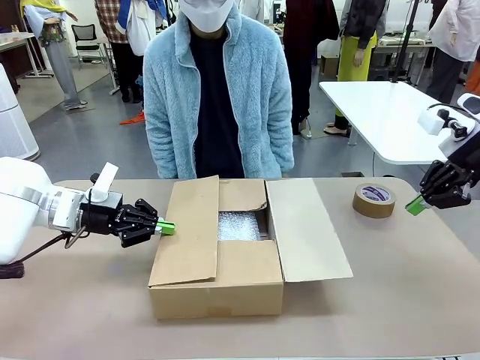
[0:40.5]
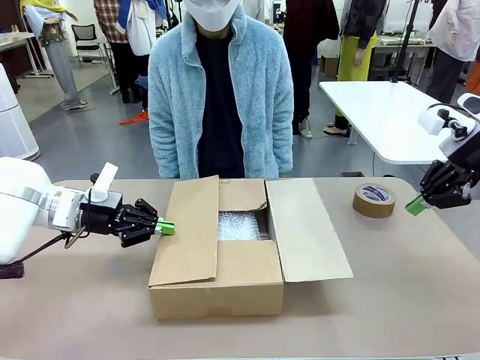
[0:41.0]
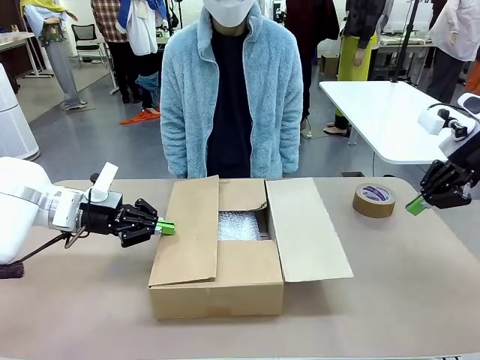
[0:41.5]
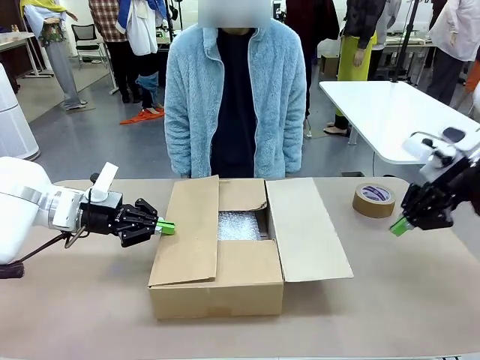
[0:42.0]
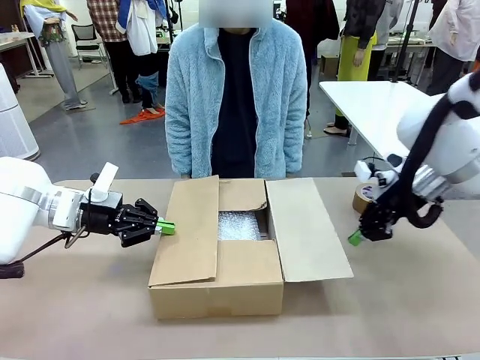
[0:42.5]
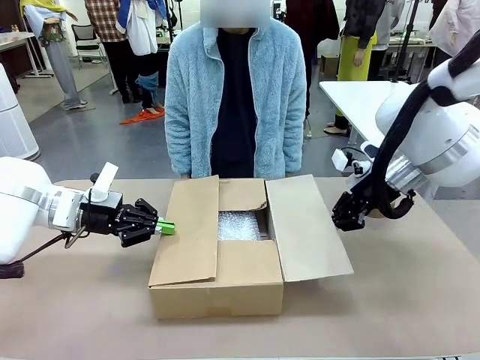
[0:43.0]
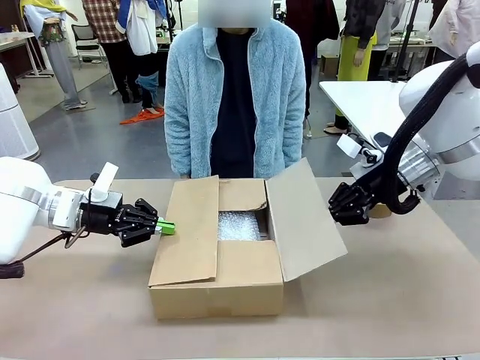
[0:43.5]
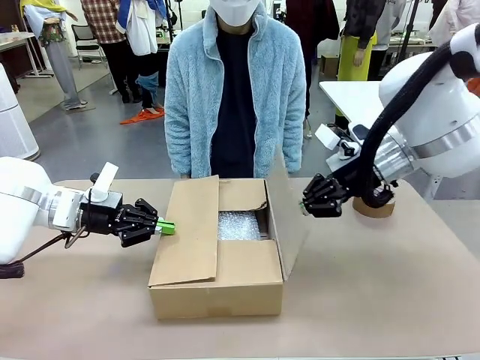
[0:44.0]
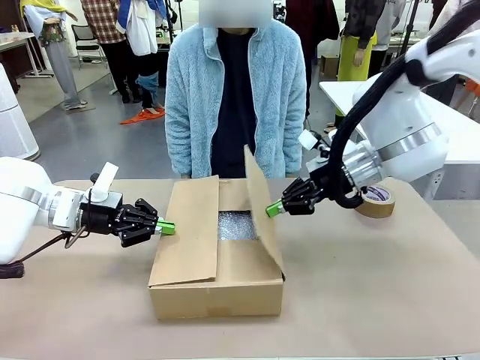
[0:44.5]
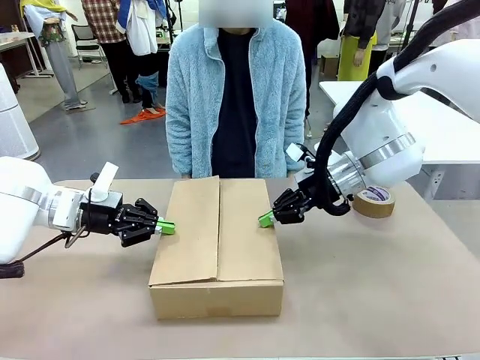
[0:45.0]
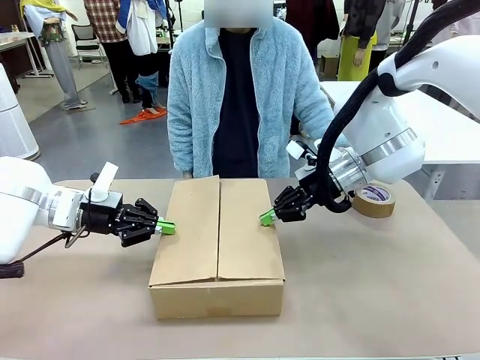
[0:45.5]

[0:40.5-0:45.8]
Task: Wrap the clocks to prevent damage.
Robot: Push the left (or right) flap of the Package Box to close it.

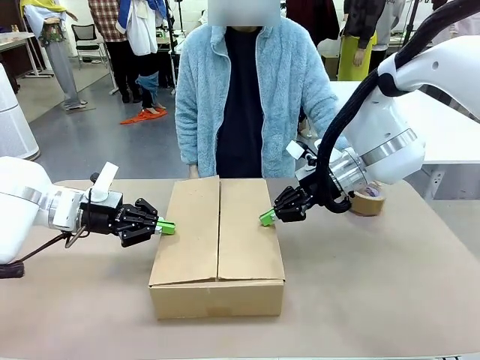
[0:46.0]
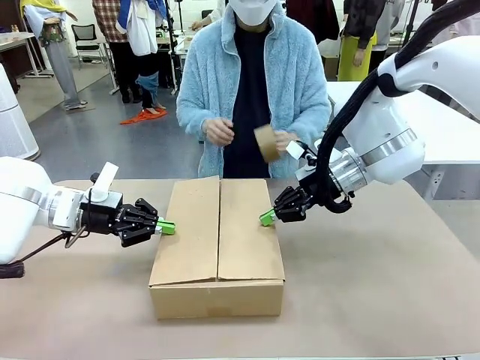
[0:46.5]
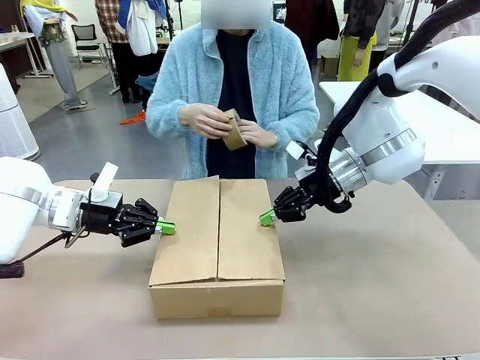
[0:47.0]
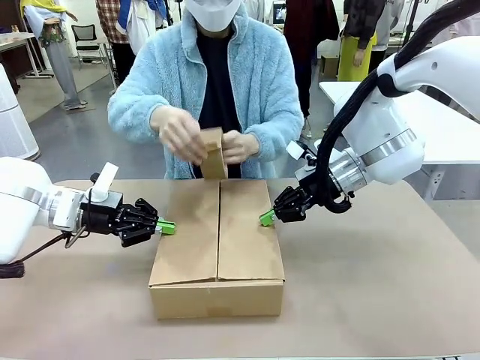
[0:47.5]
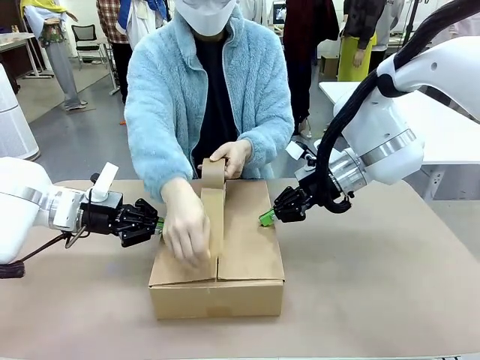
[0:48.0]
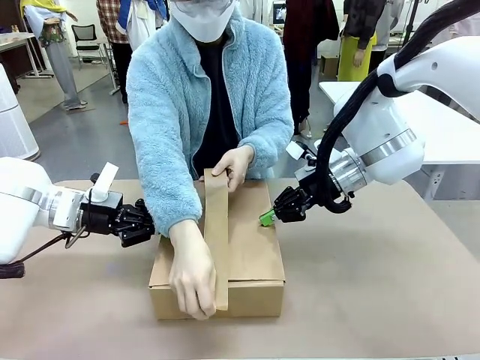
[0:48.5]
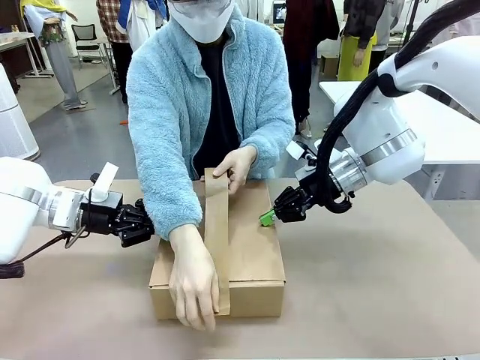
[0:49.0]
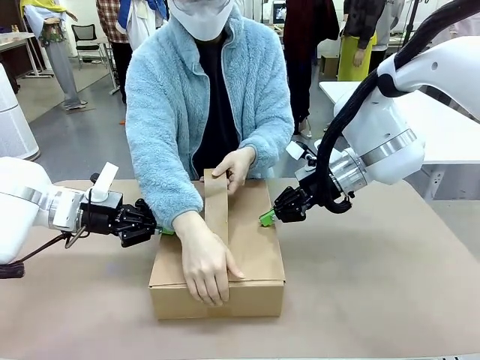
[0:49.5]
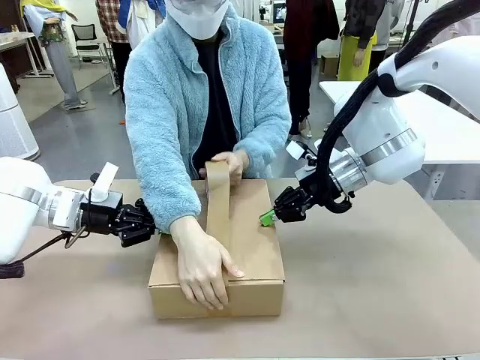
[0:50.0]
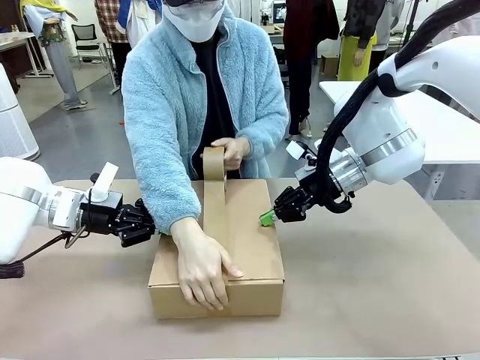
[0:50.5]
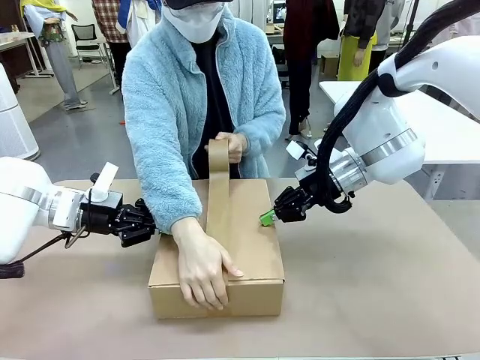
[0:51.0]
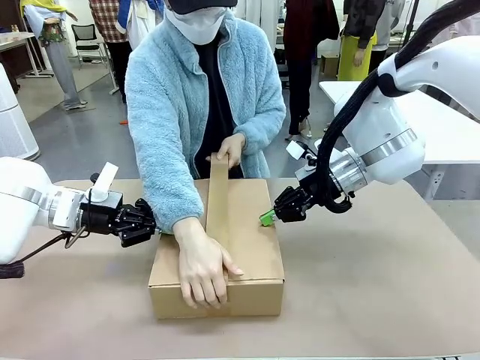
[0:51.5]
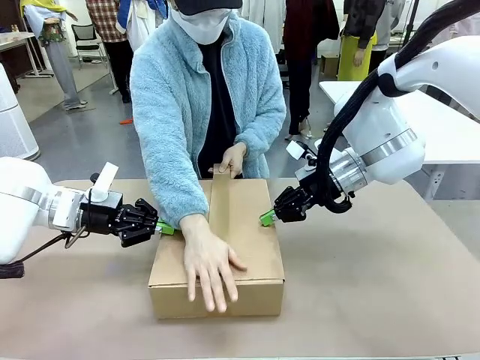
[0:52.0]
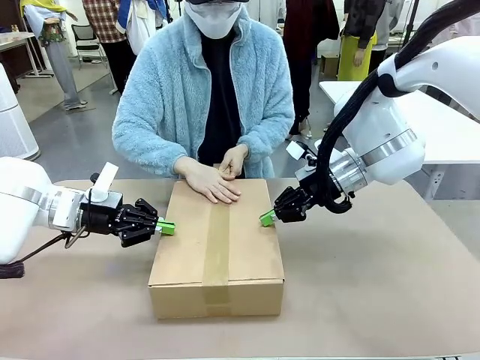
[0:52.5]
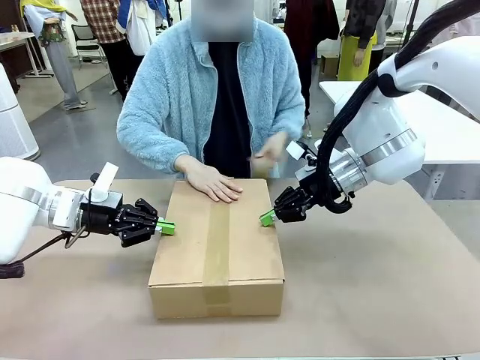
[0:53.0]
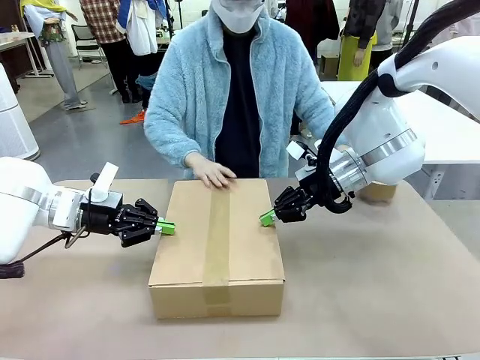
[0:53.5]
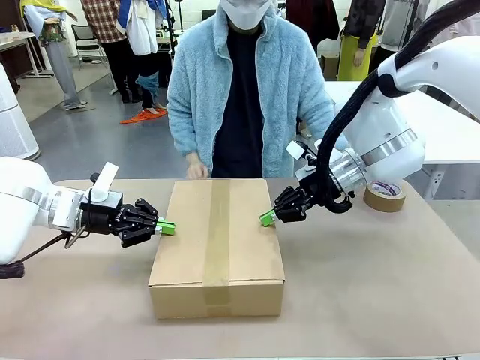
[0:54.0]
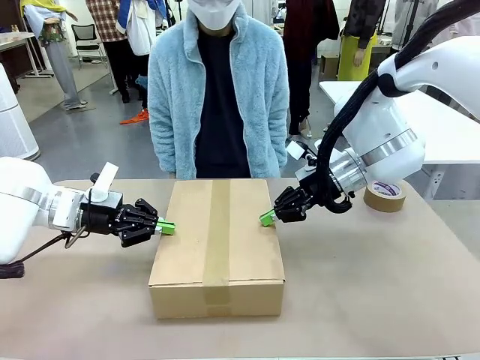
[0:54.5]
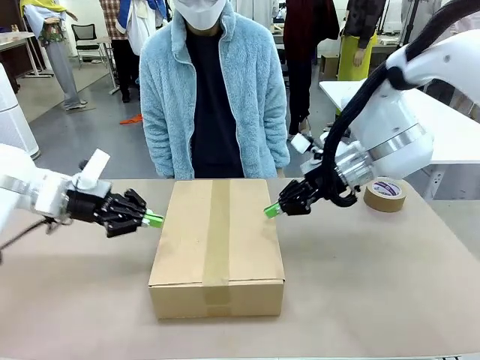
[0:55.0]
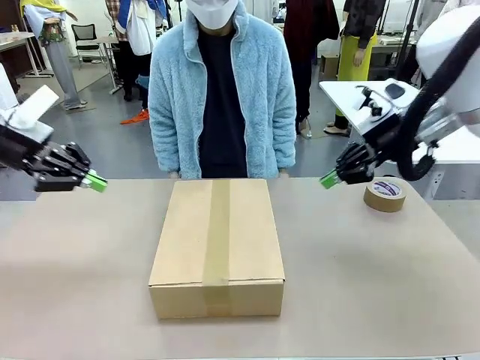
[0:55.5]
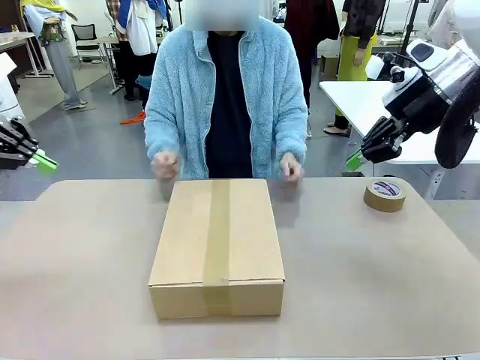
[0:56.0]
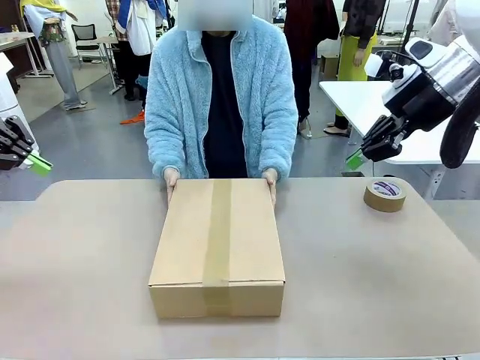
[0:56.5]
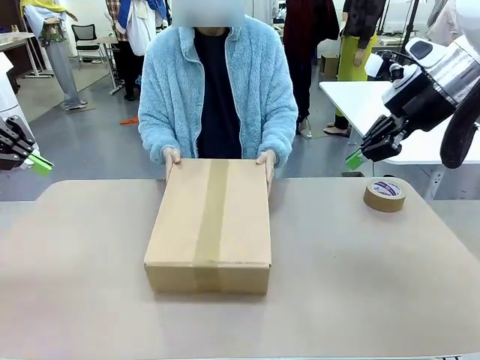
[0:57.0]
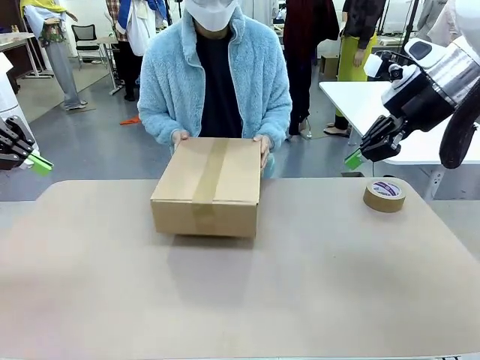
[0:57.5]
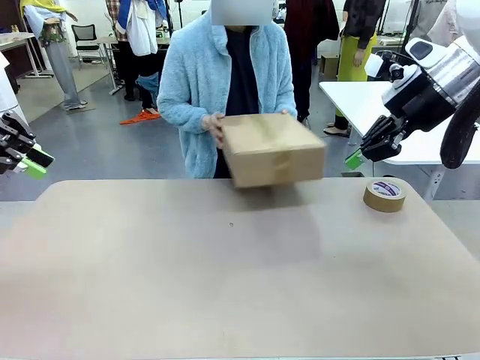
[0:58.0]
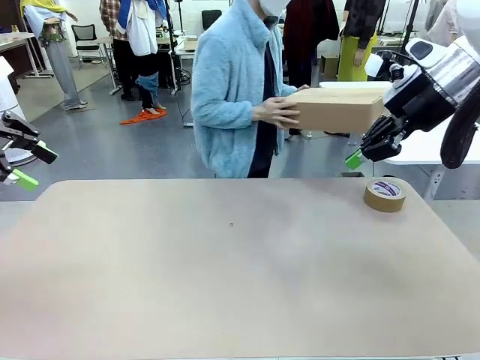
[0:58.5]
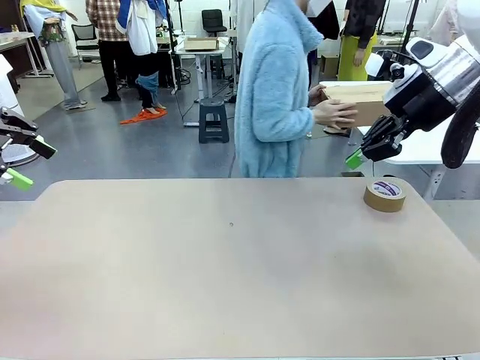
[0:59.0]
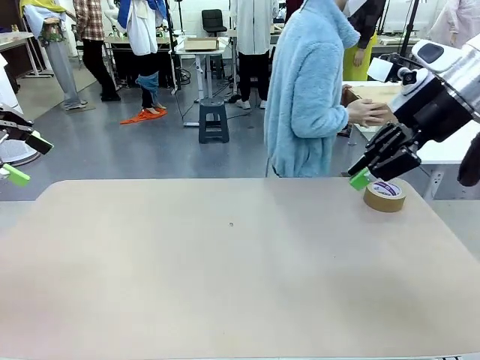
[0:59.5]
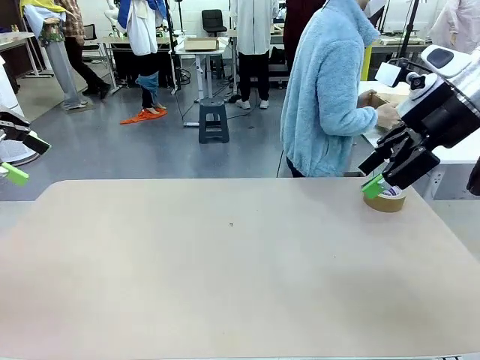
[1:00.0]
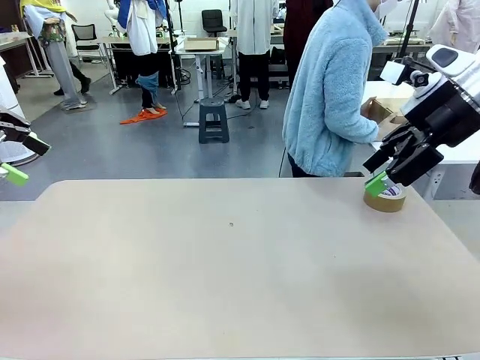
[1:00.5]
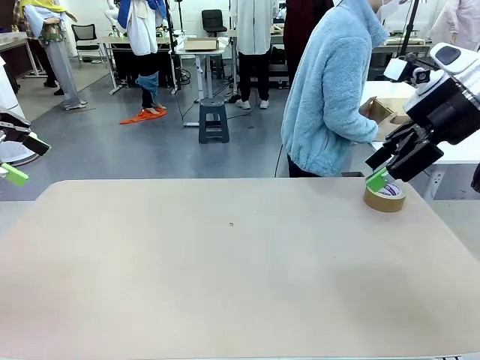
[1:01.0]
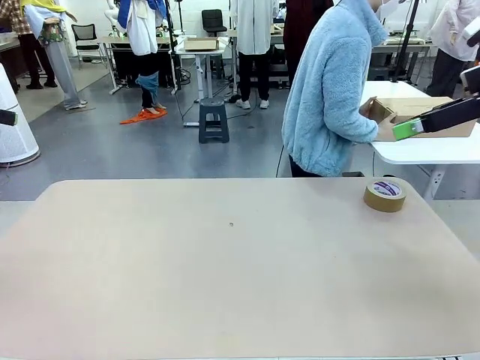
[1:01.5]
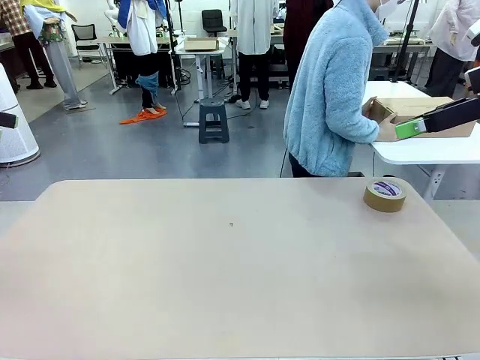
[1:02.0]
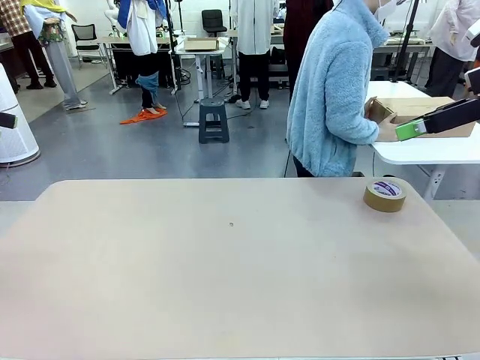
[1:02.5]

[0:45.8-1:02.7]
Robot: After the human seals the box with tape, release both hands from the side flaps of the Package Box.
Person: Once the robot closes the left flap of the Package Box , seal the box with Paper Tape. Place sealed Package Box in the middle of the human's table.

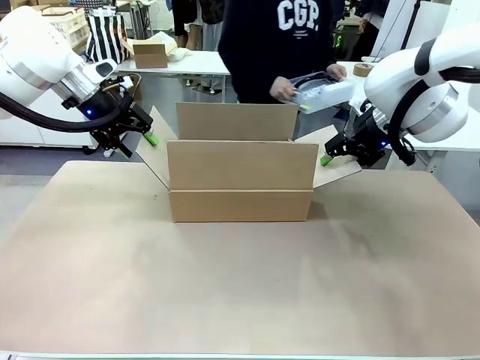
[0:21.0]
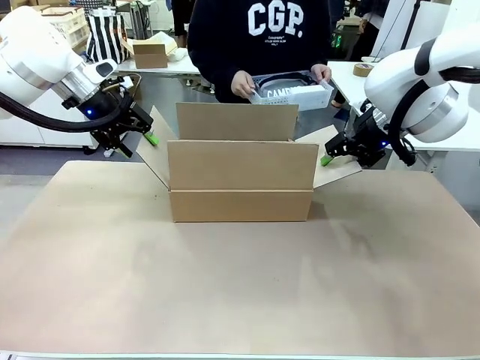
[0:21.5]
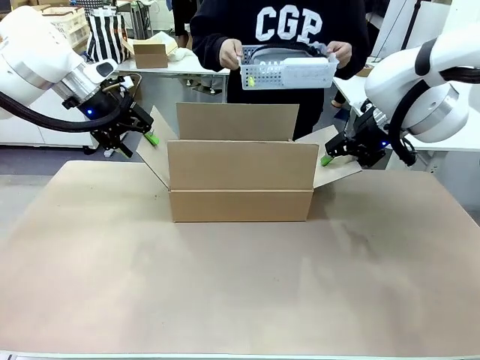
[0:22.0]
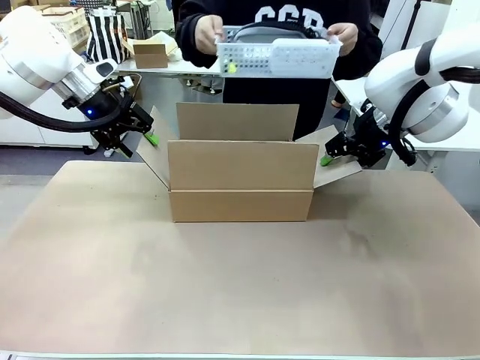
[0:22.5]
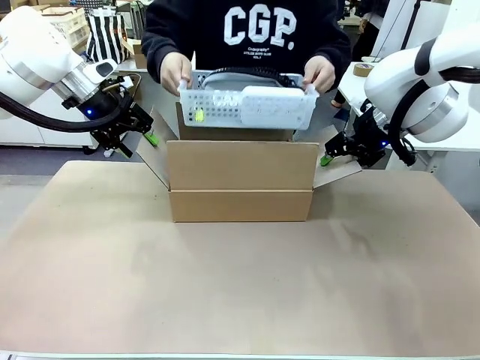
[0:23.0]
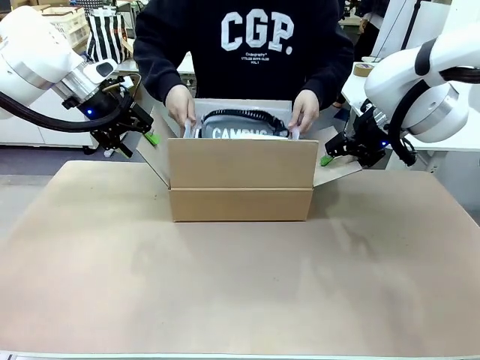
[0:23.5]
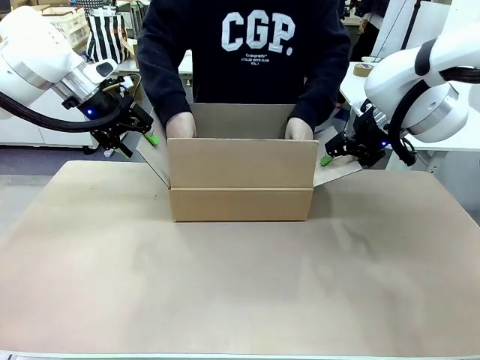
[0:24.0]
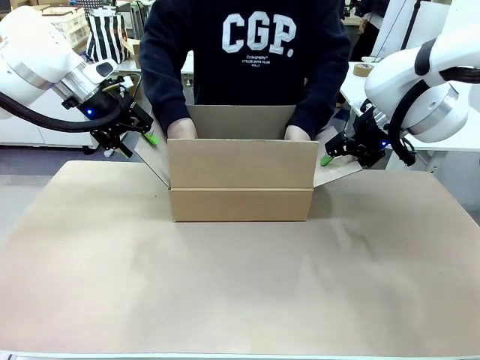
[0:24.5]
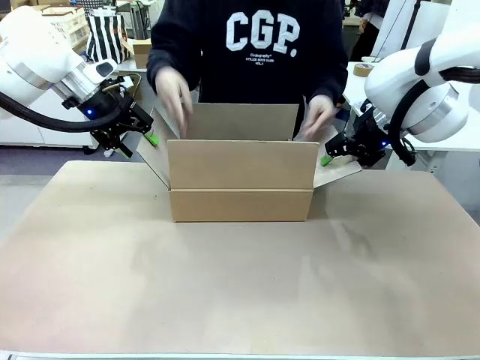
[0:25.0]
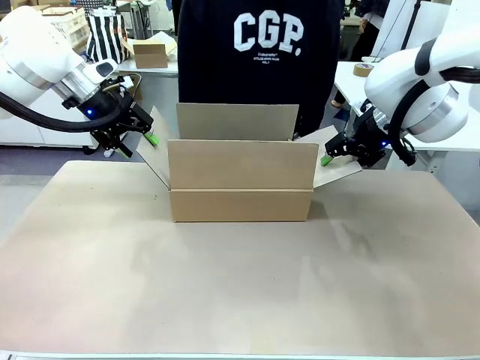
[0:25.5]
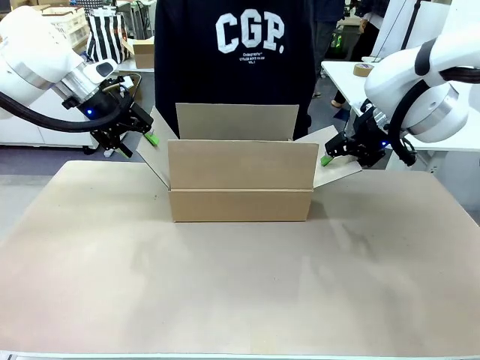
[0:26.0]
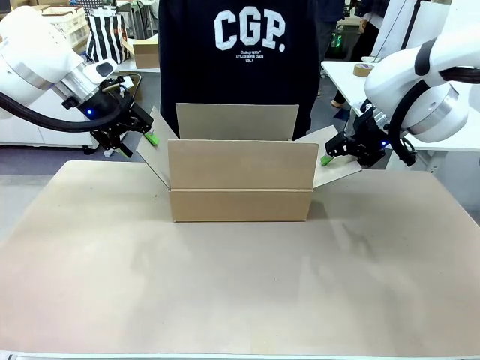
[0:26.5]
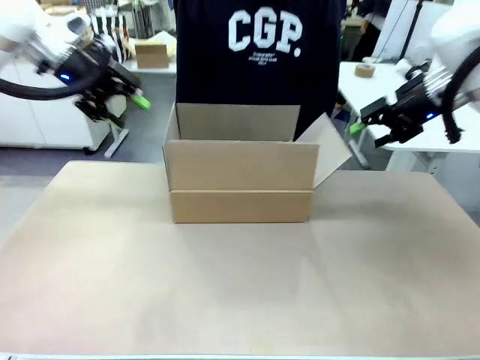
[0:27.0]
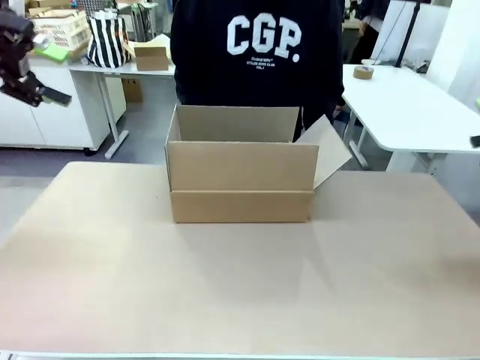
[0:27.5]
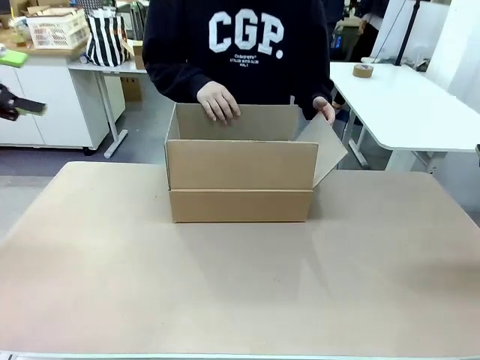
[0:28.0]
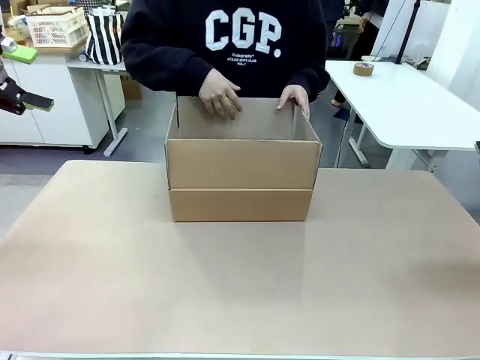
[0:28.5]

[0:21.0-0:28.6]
Task: Pack the gift set into the box.
Robot: Lift both hands away from the flaps of the Package Box.
Person: The human picks up the organizing basket and places the organizing basket into the package box on the robot table.
